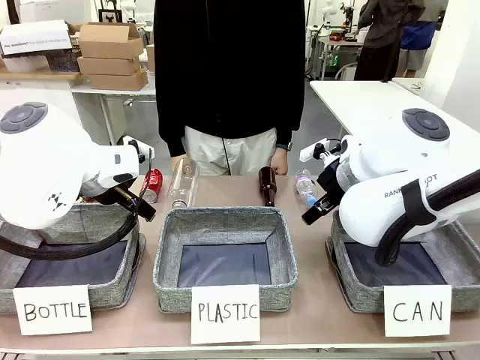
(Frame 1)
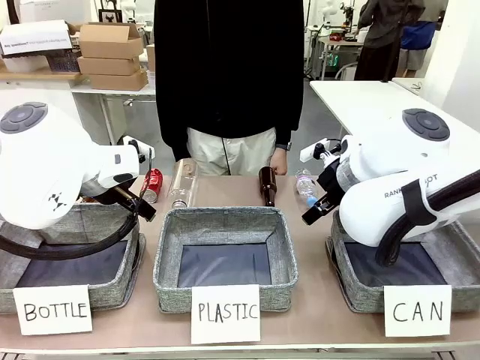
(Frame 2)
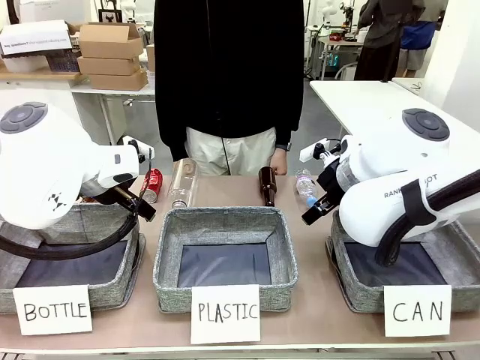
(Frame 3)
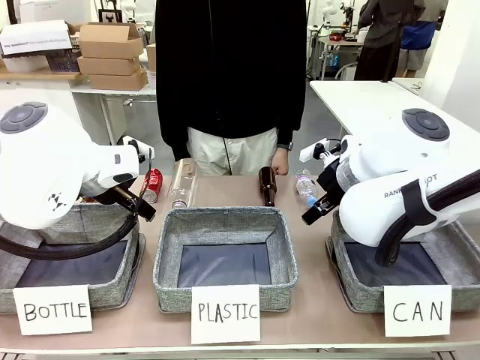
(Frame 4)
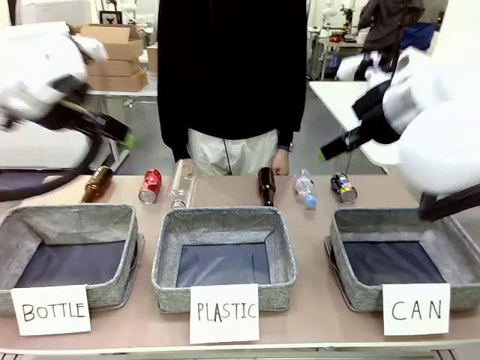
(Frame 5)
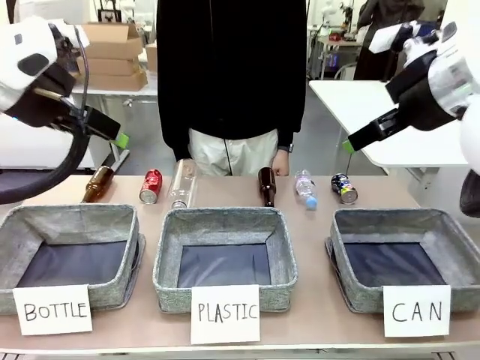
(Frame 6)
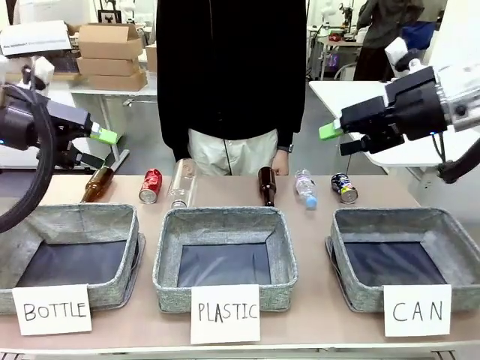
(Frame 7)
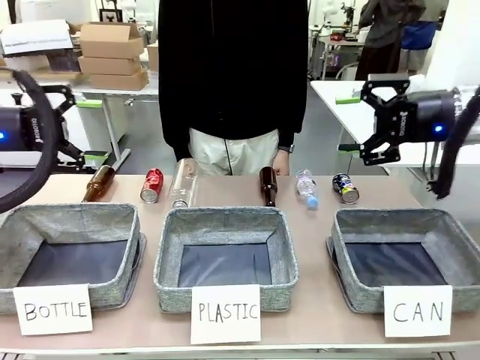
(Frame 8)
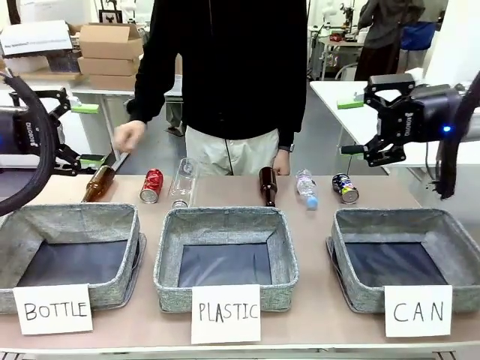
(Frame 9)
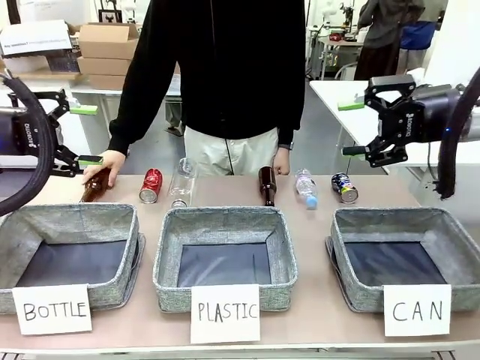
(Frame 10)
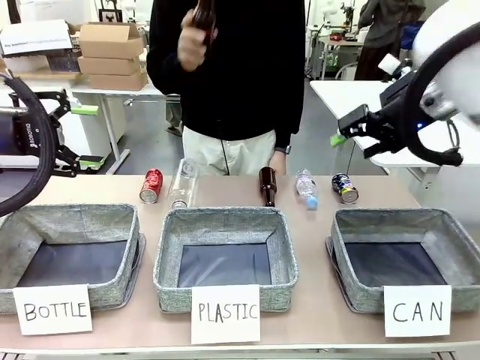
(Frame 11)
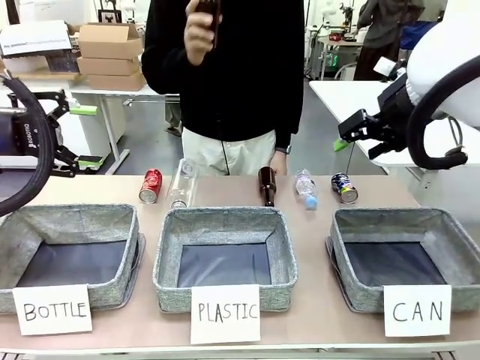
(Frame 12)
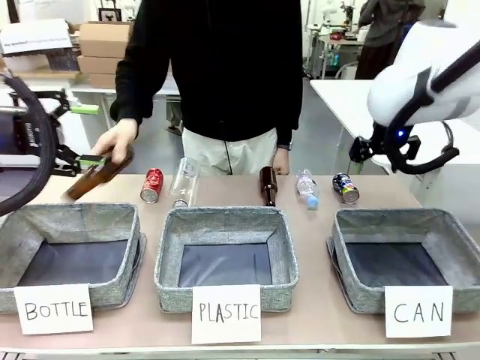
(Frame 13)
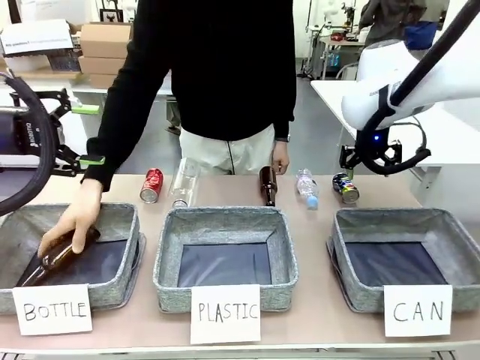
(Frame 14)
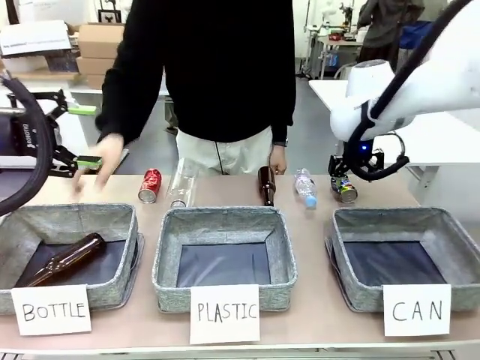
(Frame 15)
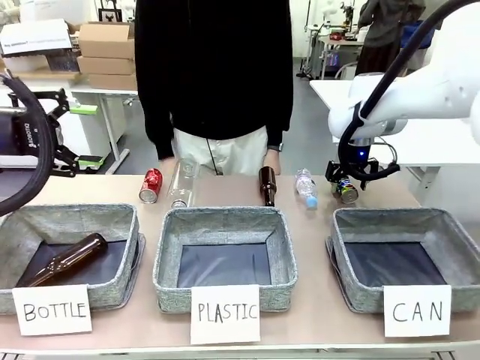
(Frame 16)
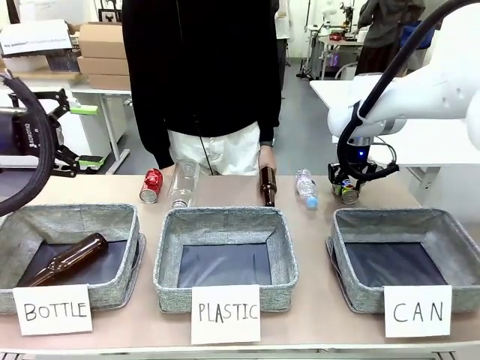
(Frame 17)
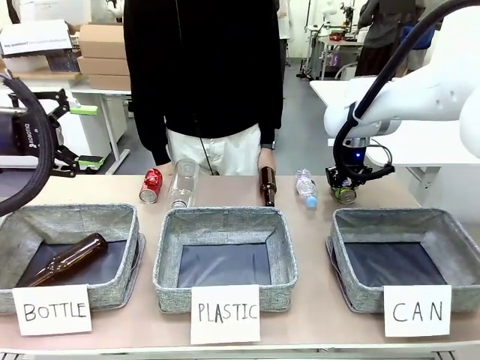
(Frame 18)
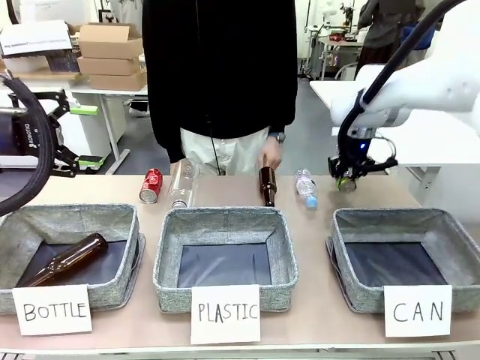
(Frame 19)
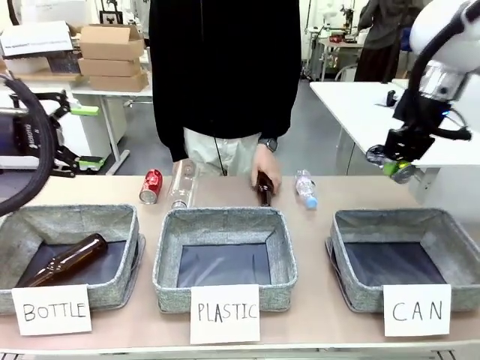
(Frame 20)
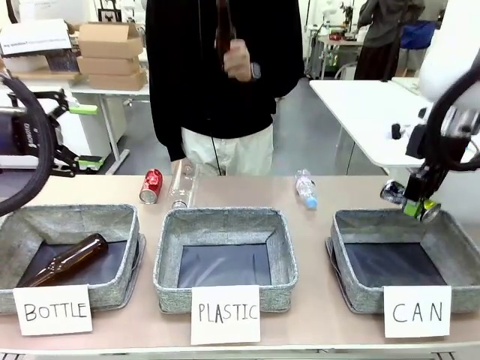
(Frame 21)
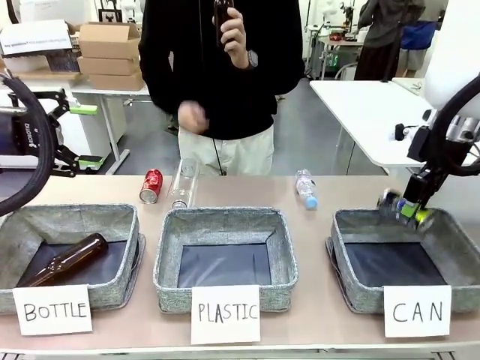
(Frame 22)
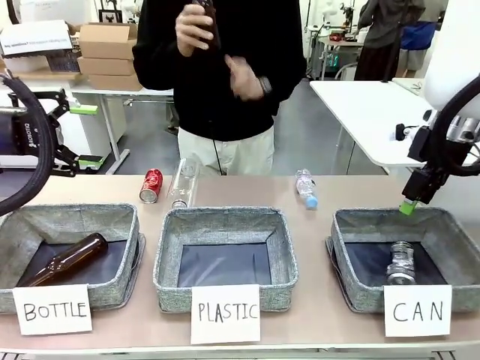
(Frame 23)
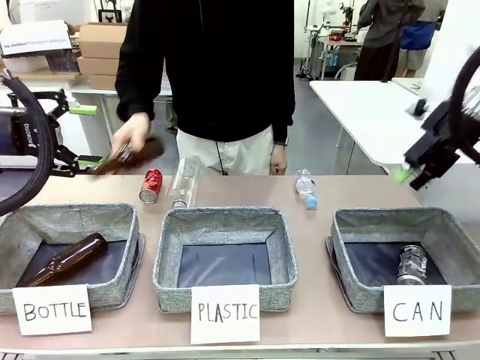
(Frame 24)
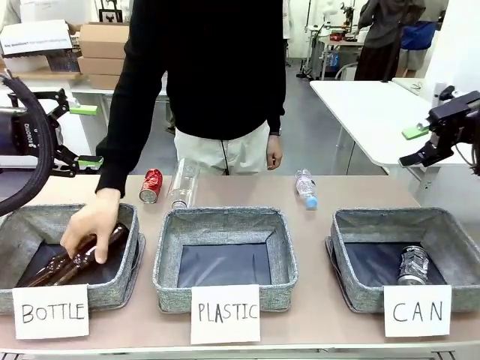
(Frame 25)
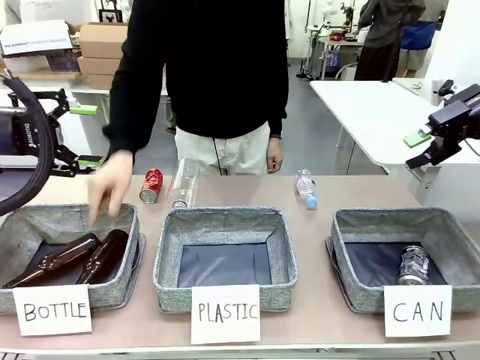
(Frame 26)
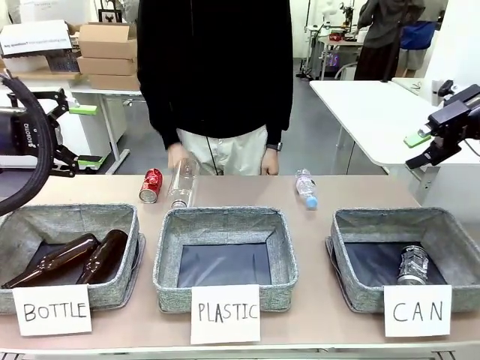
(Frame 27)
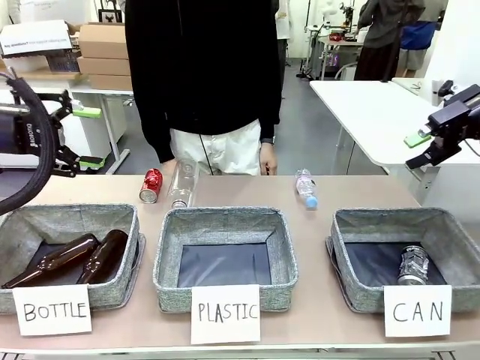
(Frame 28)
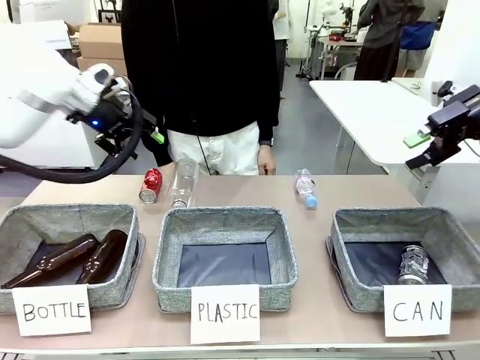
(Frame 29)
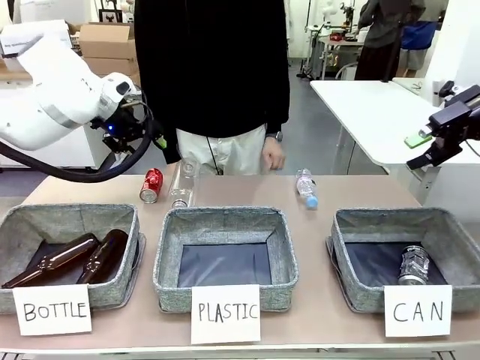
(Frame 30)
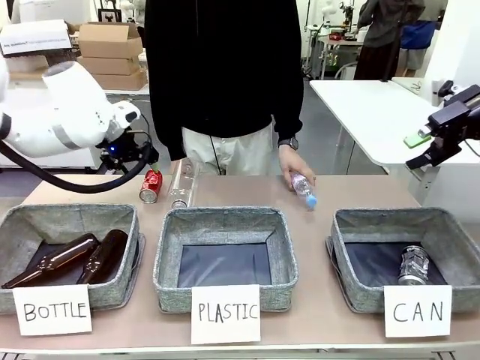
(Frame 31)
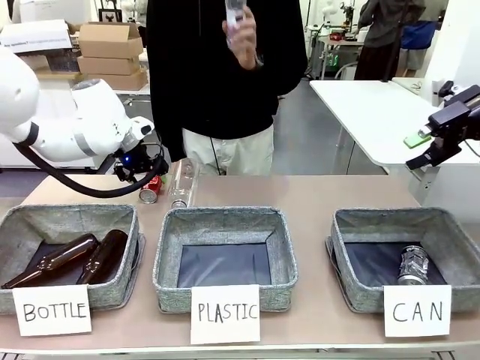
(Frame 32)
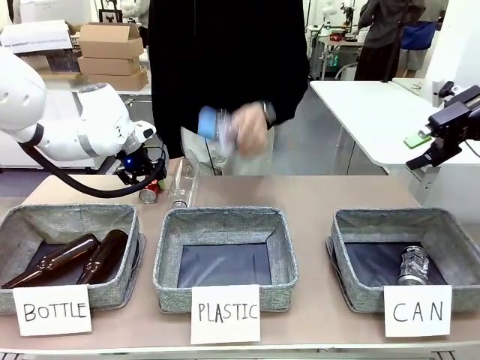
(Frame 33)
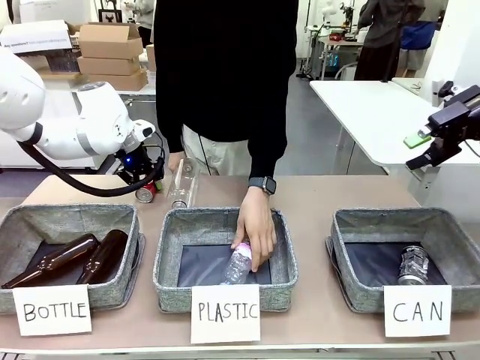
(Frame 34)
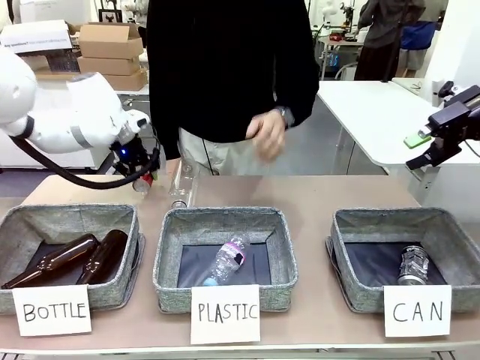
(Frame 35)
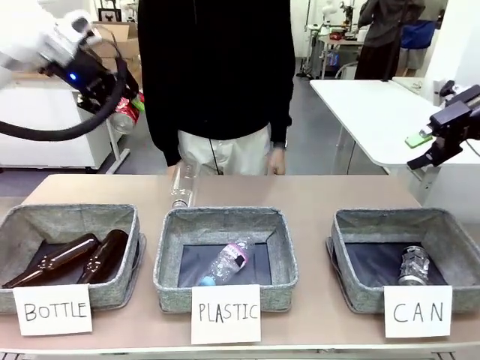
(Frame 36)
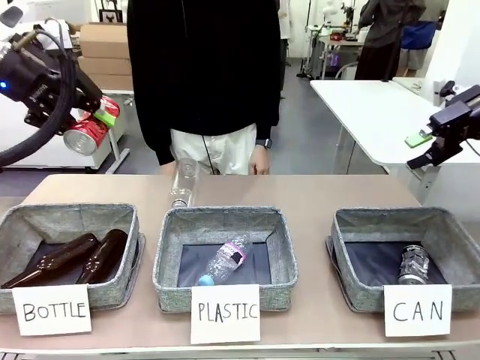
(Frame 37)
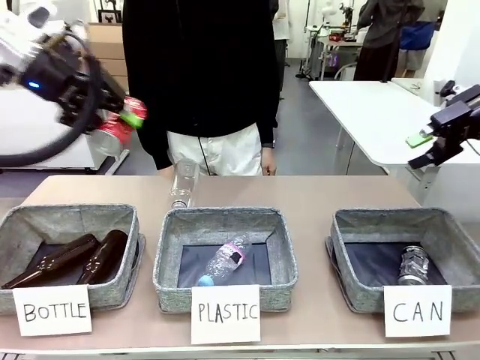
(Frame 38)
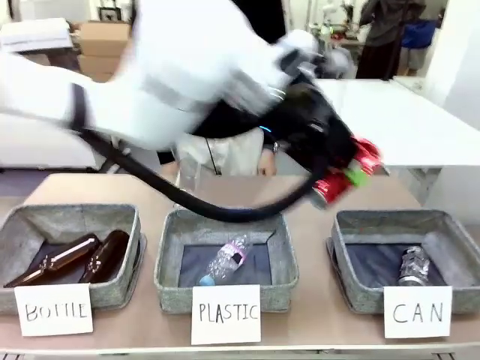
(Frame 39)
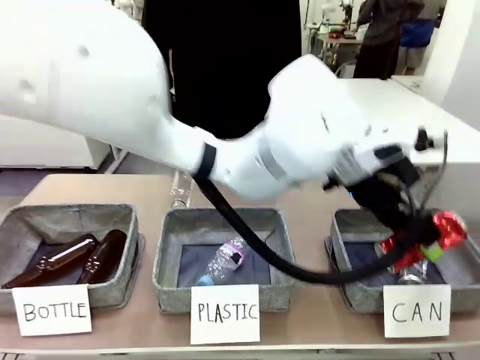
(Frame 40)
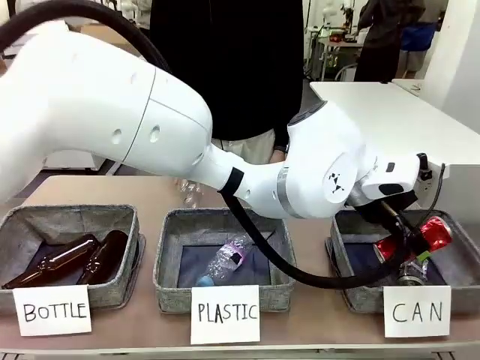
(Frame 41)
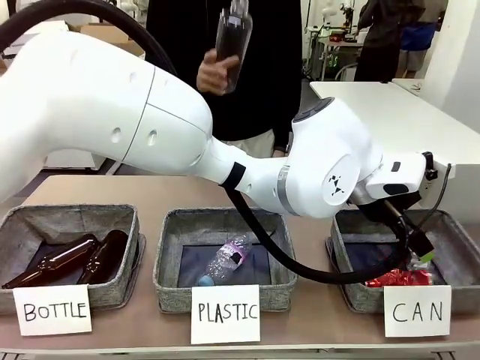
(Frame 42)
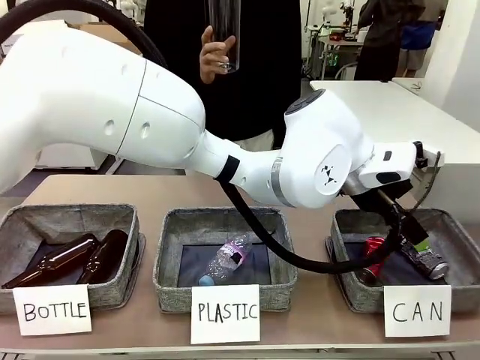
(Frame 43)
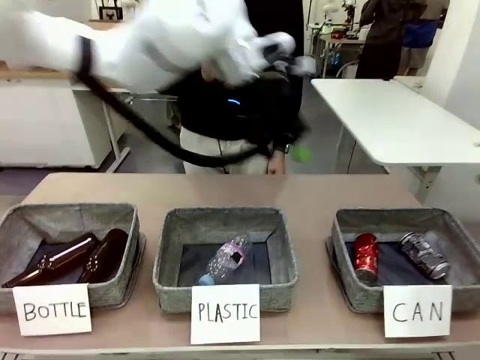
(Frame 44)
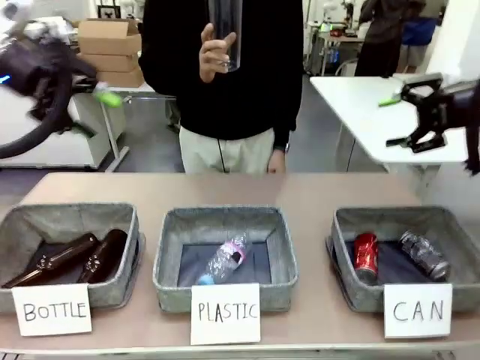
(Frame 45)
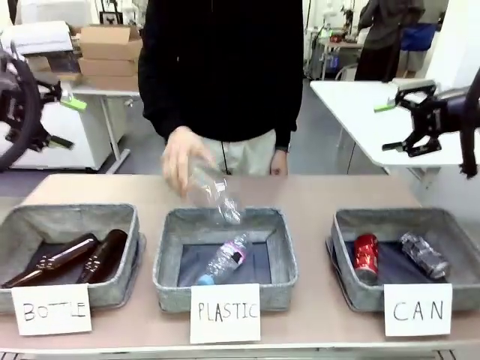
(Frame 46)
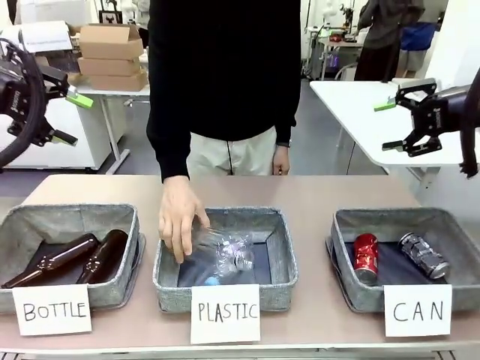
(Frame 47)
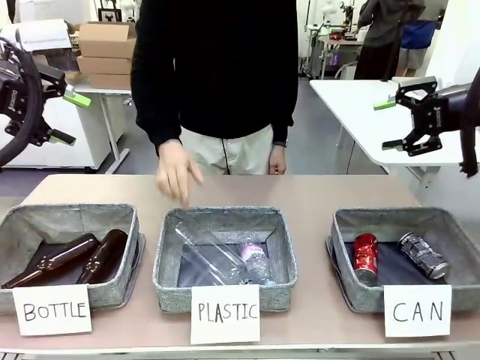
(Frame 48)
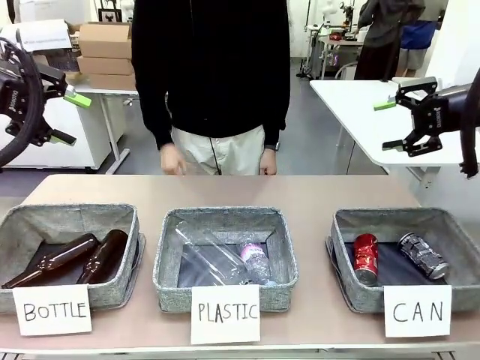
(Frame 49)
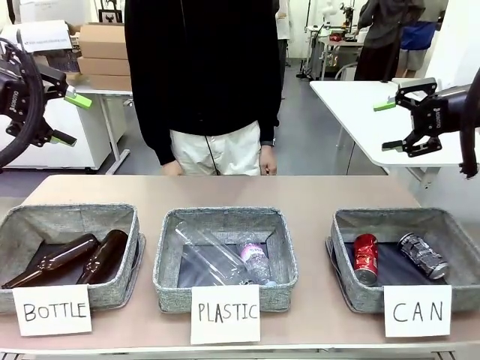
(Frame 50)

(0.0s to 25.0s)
Task: Sort the can waste into the basket.
Robot: Pick up the can waste from the table and place it in the right Fabric basket.
Person: The human picks up one piece of trash that is not a can and places the trash into the appropriate organizing basket.
